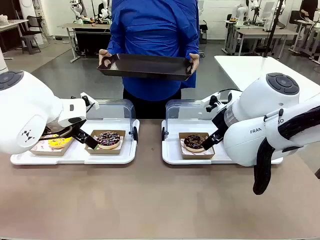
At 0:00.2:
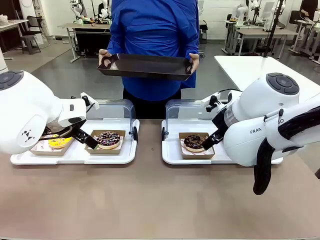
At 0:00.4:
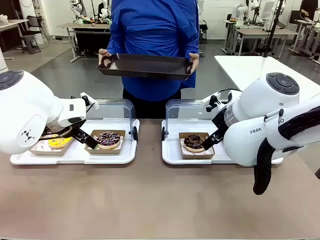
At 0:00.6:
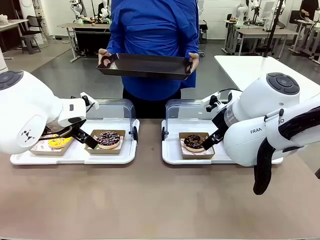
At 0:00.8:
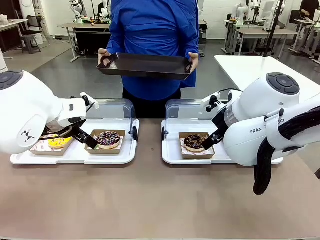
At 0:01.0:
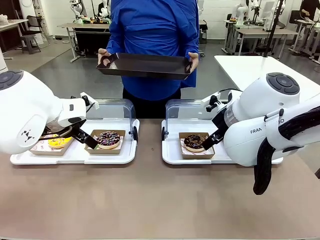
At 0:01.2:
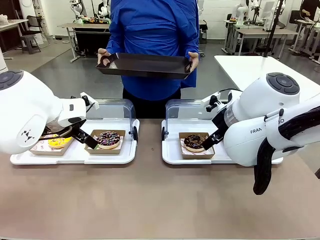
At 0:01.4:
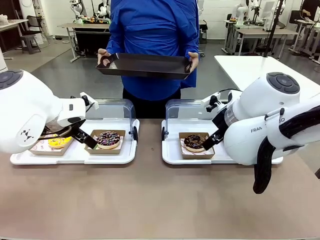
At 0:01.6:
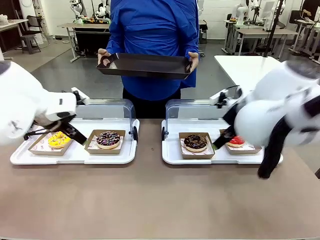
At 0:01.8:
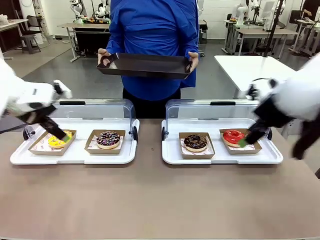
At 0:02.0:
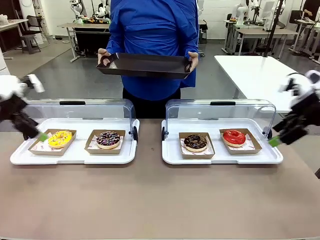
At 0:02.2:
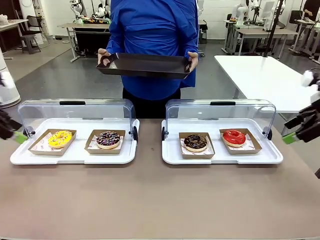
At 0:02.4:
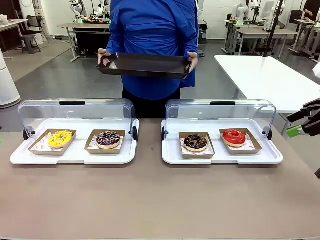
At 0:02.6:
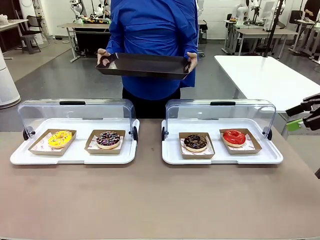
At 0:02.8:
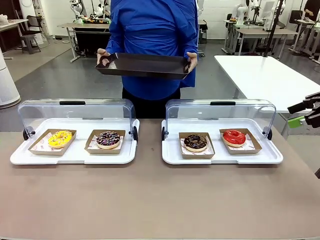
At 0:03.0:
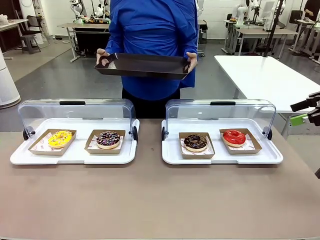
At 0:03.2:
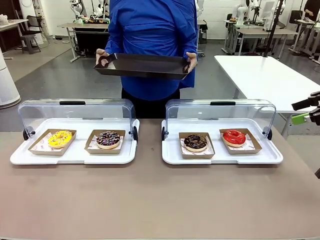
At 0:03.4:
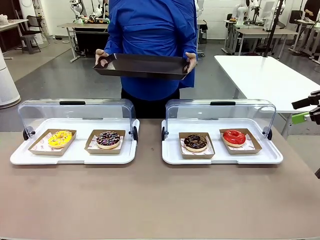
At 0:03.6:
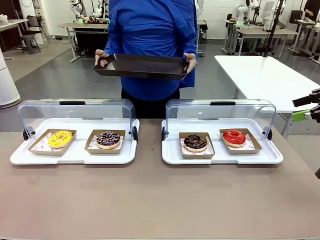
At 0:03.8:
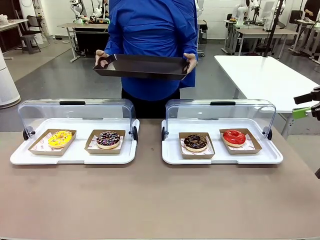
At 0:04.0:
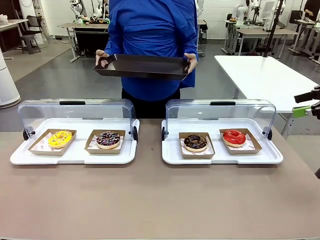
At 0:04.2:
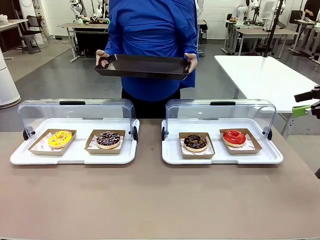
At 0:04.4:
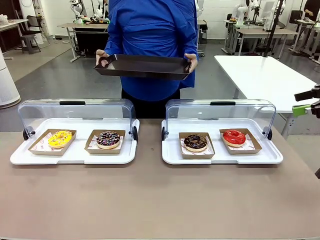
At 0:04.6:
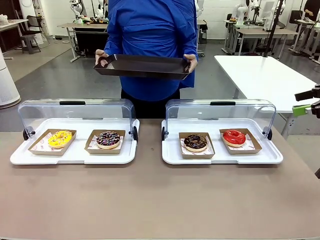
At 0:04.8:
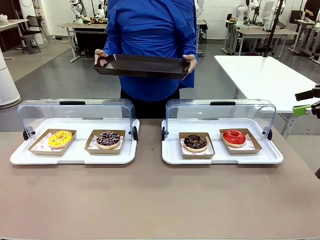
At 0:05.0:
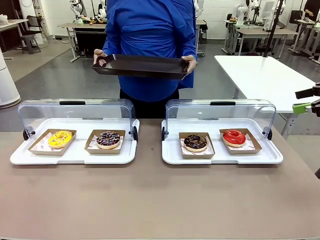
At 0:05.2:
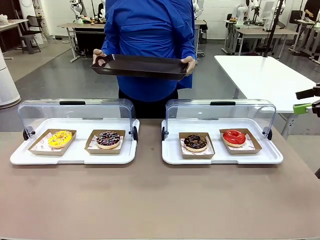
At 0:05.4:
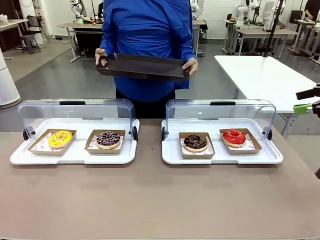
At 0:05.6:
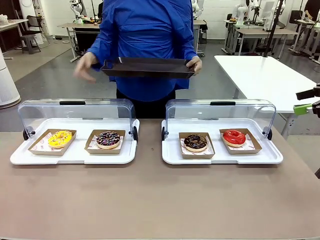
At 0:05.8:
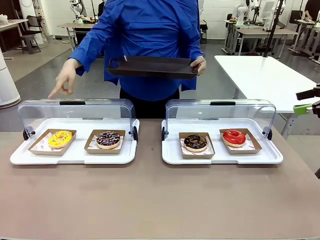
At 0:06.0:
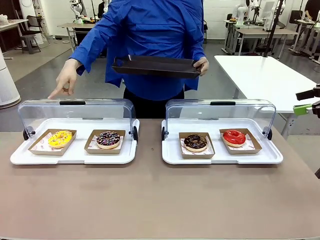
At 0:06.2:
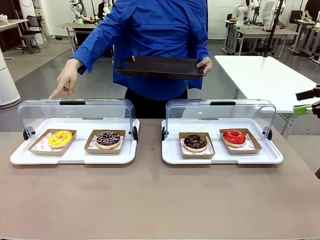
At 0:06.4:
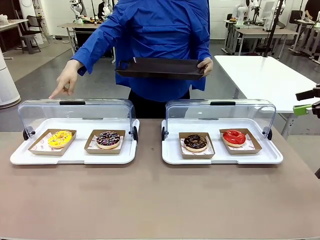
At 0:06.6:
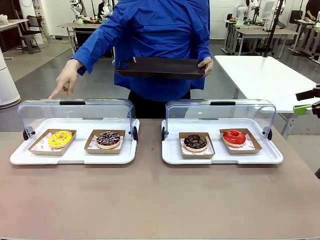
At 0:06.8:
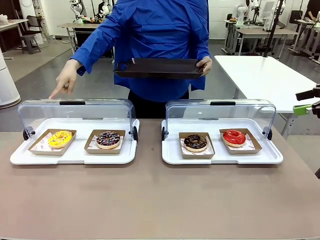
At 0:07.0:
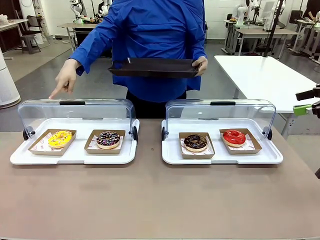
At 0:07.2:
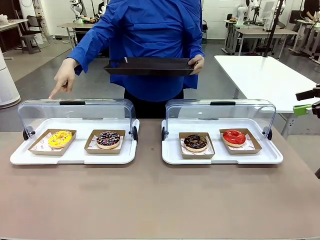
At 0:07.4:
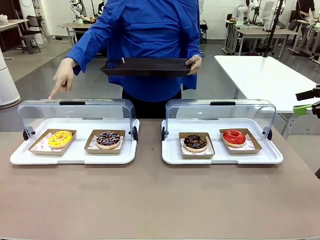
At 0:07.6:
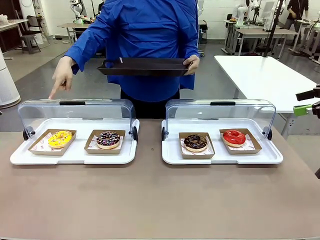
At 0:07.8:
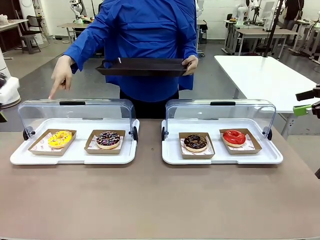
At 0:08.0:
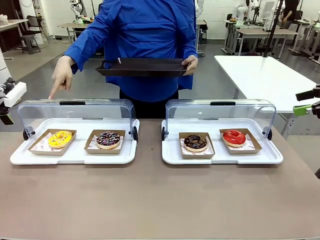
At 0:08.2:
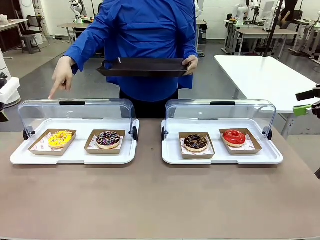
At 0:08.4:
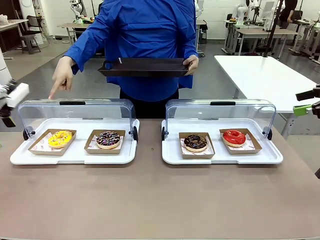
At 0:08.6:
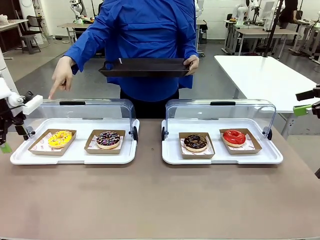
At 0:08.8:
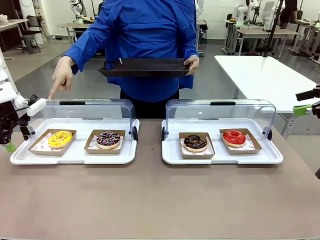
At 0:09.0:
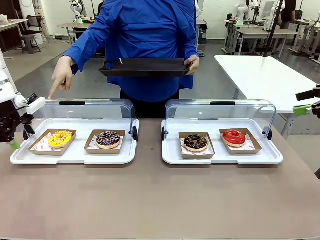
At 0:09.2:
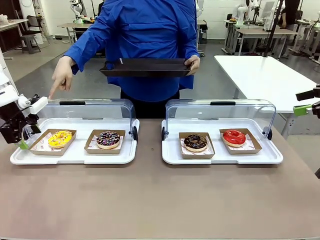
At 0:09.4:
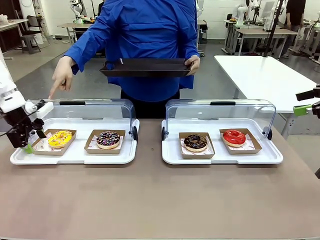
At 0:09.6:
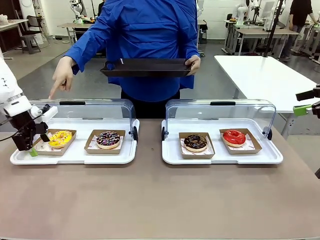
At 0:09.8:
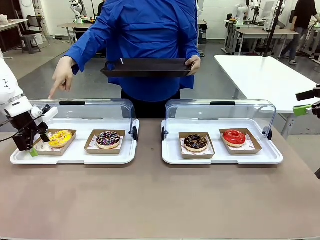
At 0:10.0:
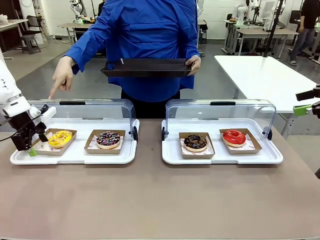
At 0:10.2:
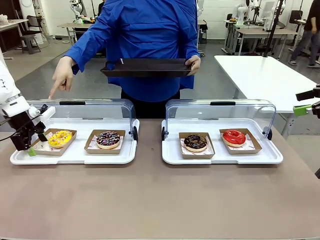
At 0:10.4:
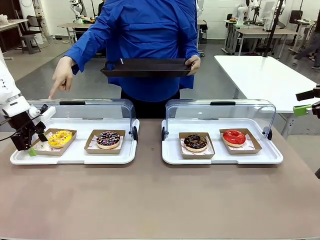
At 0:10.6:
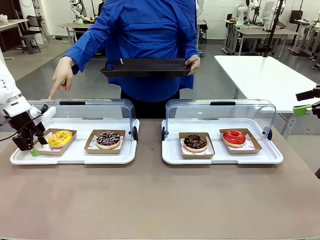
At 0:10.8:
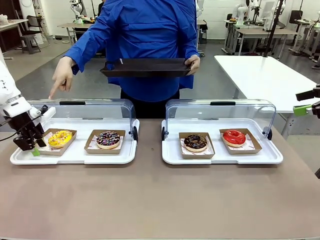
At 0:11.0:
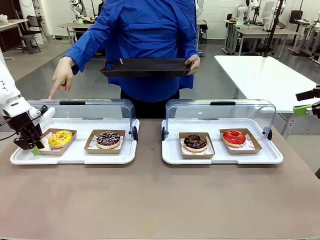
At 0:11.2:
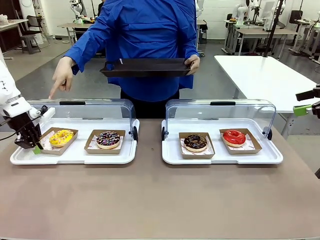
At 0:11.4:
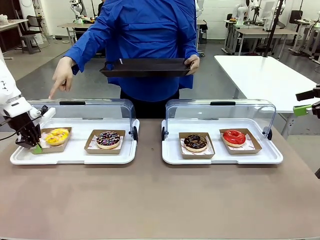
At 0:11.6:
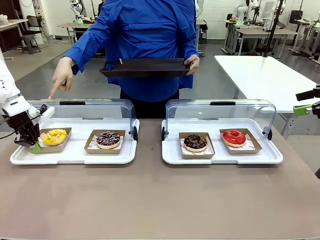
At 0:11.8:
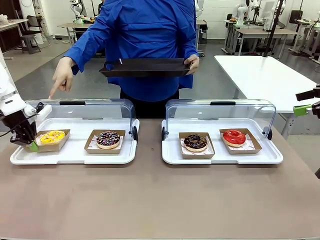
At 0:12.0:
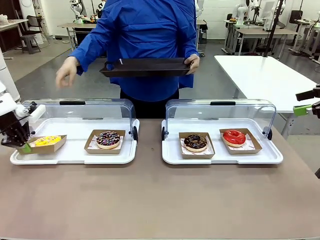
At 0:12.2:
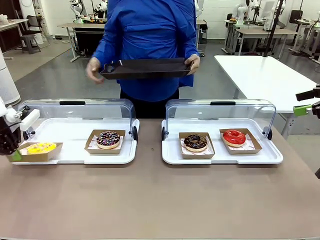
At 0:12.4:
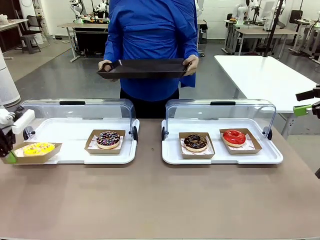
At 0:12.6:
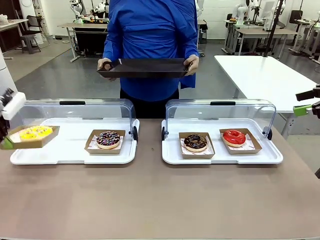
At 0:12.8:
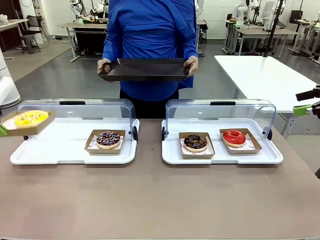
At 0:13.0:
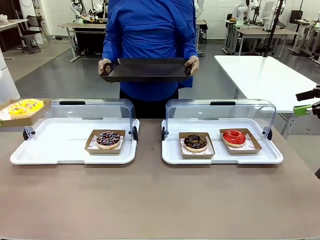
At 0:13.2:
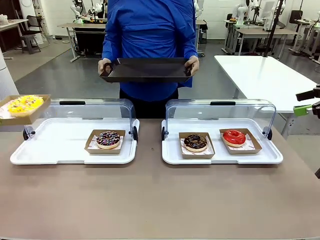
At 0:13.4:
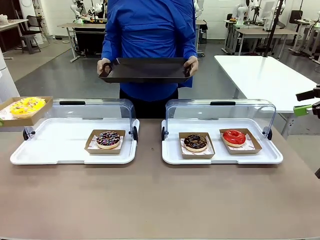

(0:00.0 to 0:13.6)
Task: Provide the desired donut to the person.
Robot: Pick up and lift the Paper togo box containing the Donut pointed at by the person.
Person: Point to one donut. Lift the tray onto the Roll-Top Bakery Case.

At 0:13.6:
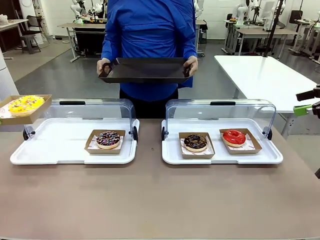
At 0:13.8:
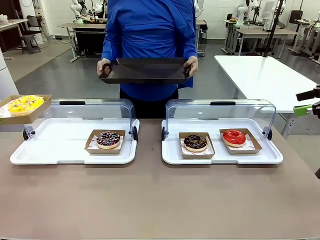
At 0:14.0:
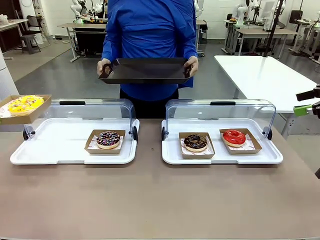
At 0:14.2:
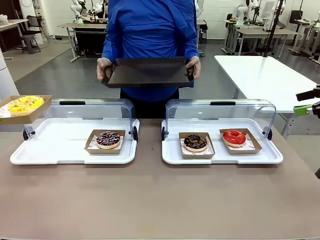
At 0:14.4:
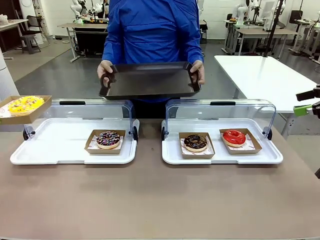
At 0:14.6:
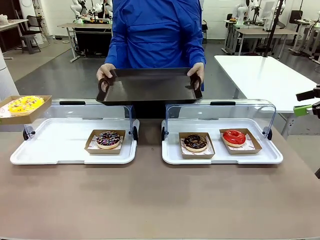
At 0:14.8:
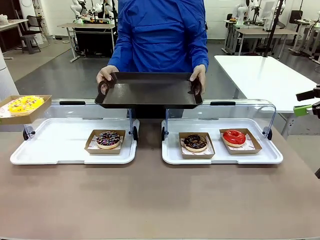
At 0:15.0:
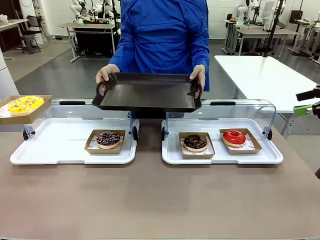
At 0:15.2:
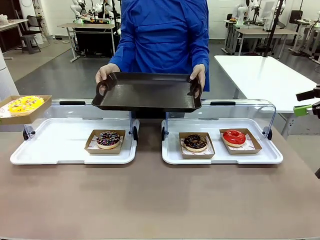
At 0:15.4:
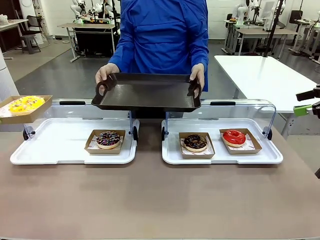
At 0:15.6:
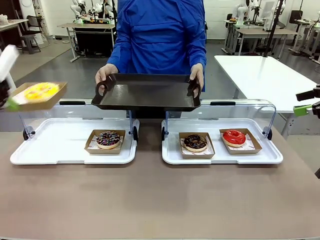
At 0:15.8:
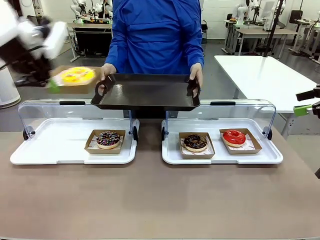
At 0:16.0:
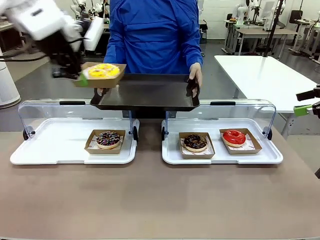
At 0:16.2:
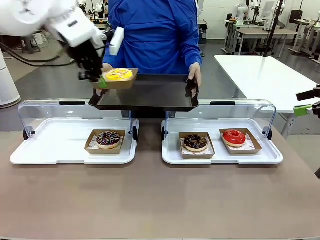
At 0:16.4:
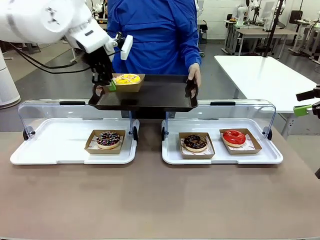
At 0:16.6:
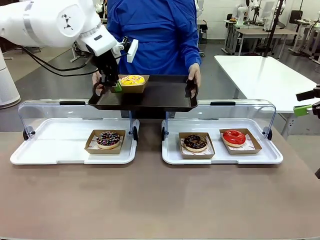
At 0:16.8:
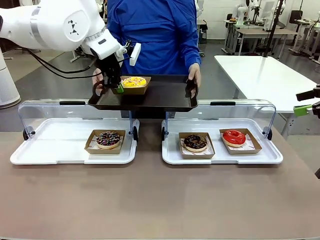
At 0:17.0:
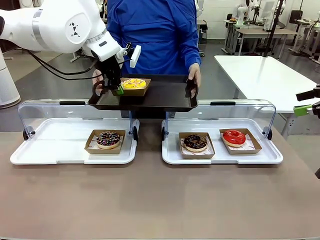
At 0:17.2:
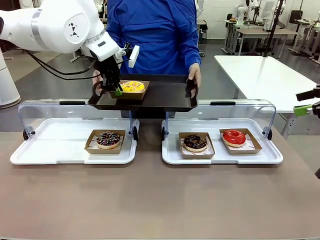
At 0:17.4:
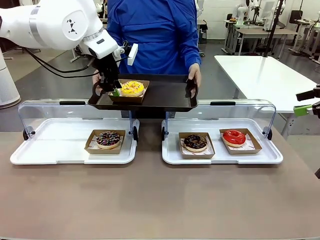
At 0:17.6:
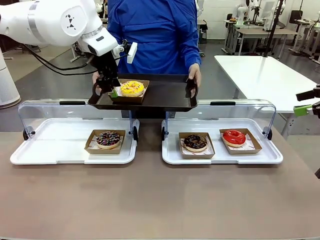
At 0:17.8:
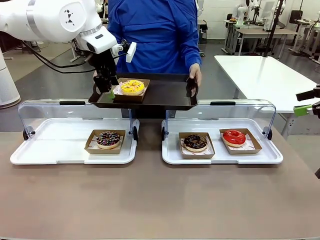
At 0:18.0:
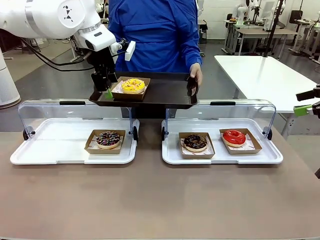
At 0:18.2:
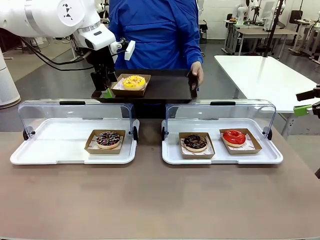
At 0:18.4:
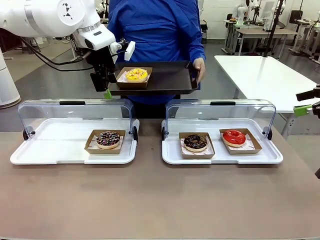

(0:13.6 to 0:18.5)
Robot: Place the picked Paper togo box onto the Handle tray extended by the person.
